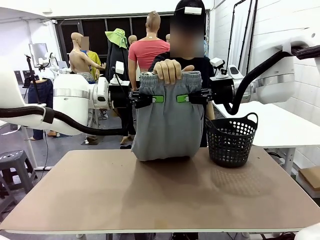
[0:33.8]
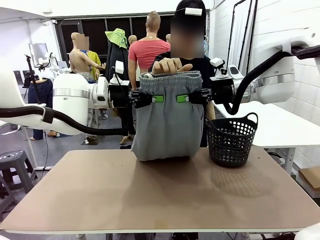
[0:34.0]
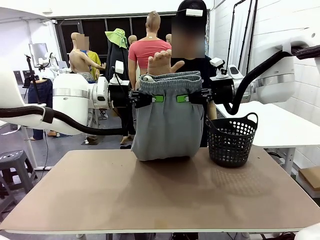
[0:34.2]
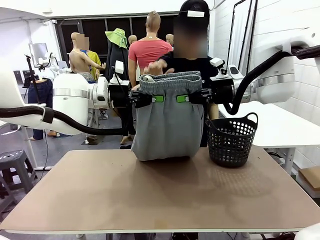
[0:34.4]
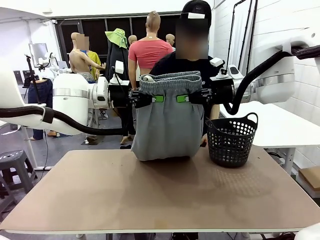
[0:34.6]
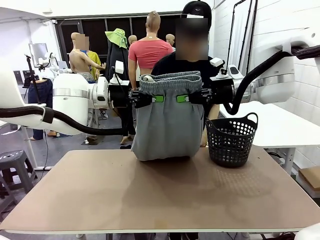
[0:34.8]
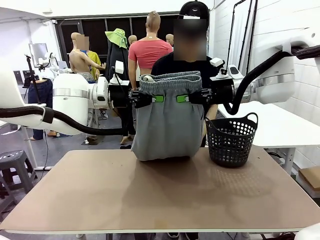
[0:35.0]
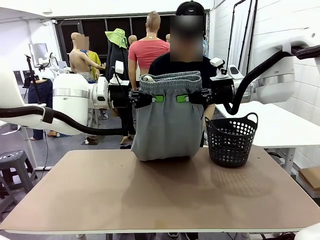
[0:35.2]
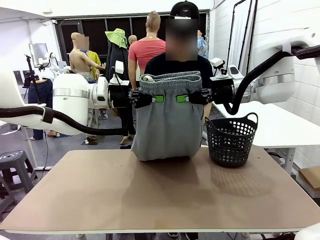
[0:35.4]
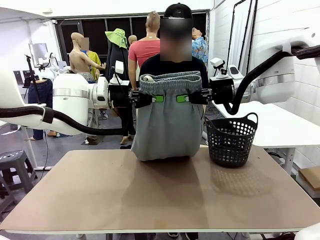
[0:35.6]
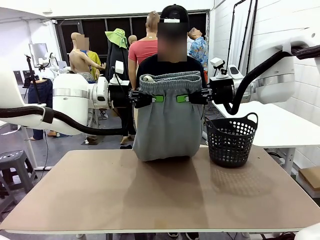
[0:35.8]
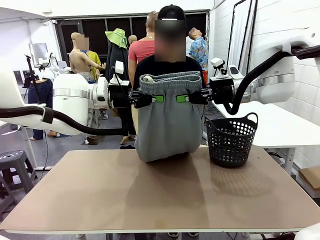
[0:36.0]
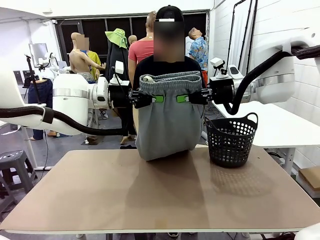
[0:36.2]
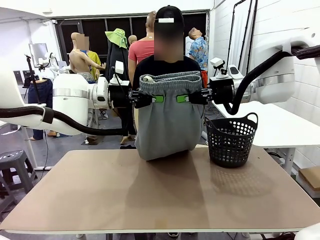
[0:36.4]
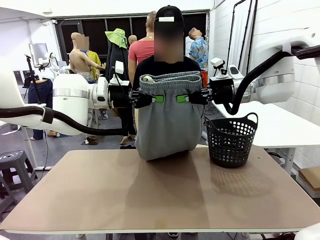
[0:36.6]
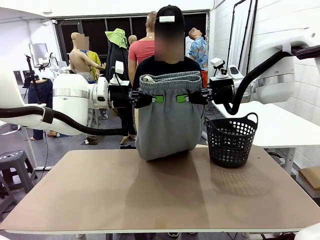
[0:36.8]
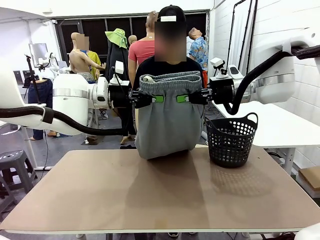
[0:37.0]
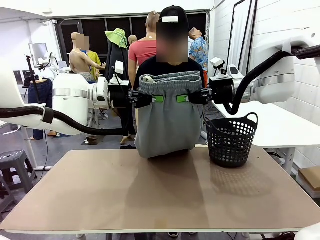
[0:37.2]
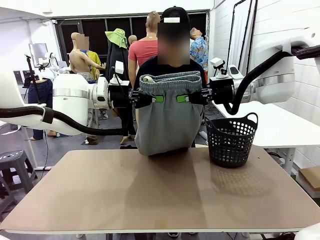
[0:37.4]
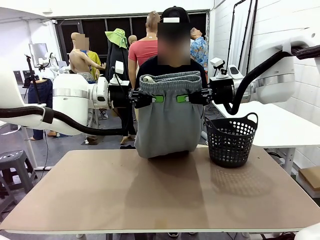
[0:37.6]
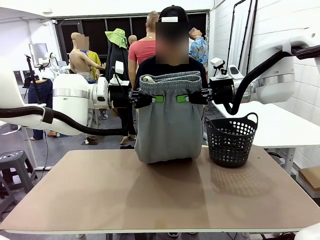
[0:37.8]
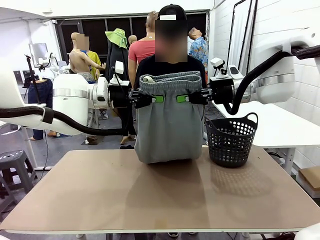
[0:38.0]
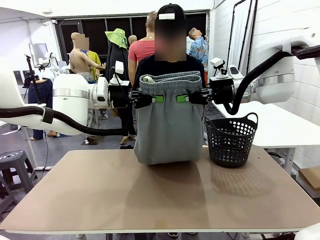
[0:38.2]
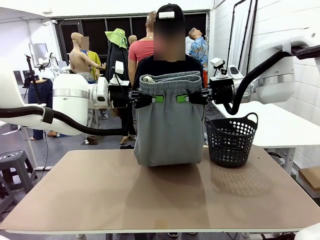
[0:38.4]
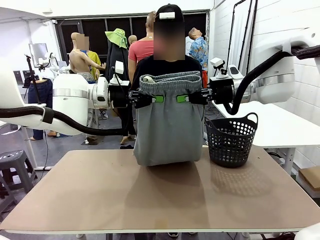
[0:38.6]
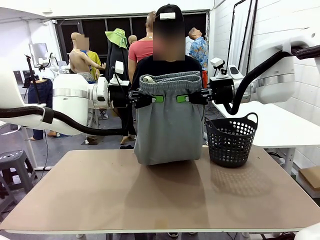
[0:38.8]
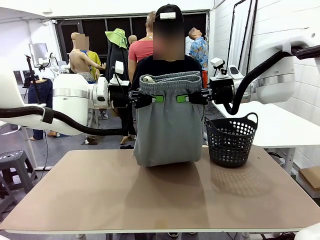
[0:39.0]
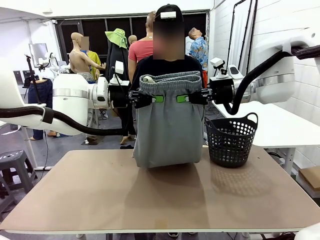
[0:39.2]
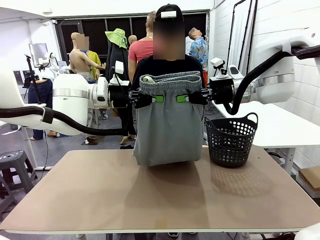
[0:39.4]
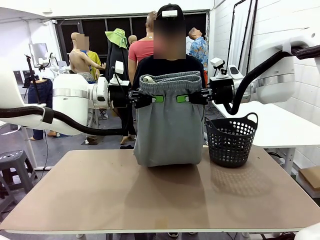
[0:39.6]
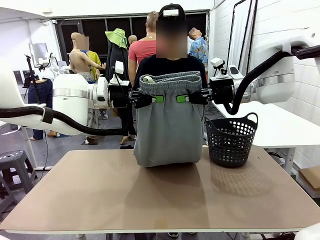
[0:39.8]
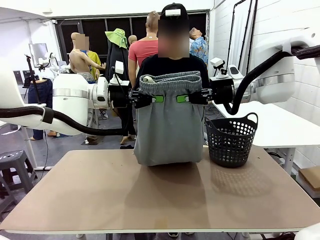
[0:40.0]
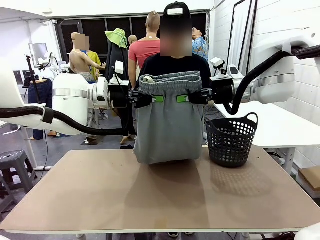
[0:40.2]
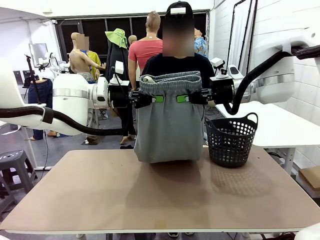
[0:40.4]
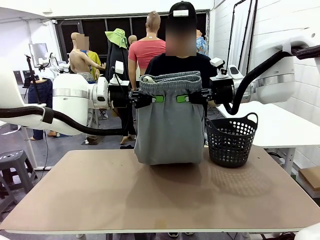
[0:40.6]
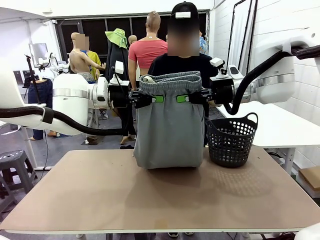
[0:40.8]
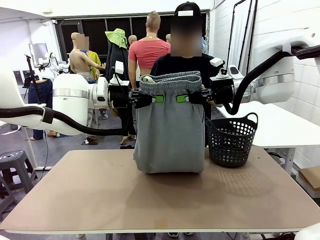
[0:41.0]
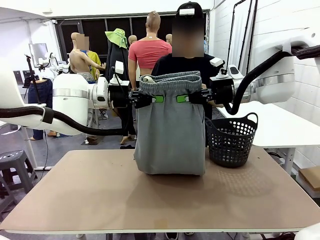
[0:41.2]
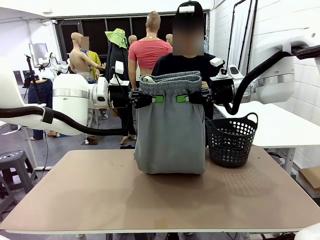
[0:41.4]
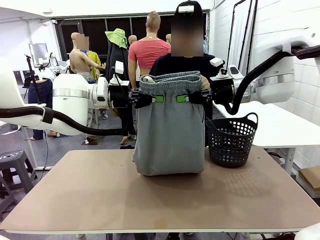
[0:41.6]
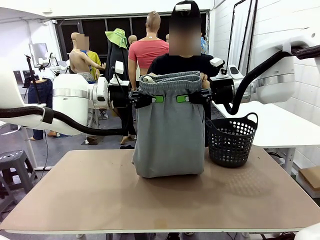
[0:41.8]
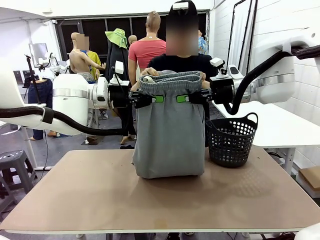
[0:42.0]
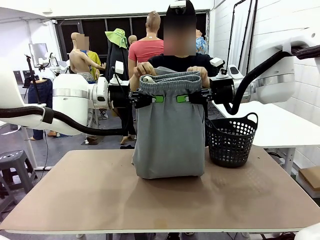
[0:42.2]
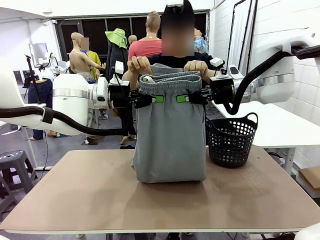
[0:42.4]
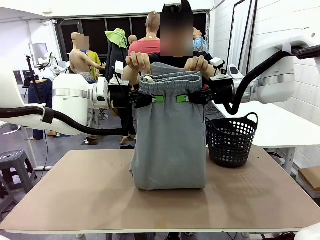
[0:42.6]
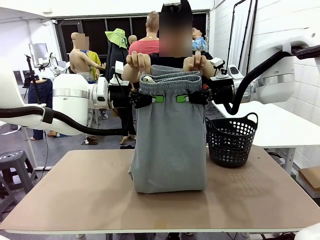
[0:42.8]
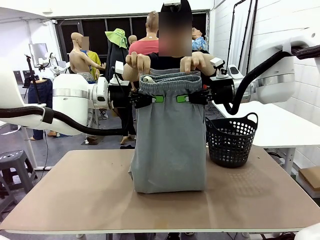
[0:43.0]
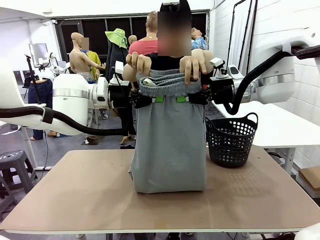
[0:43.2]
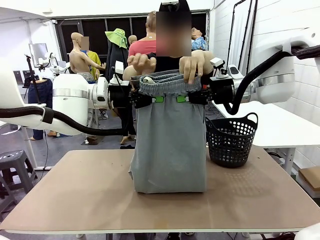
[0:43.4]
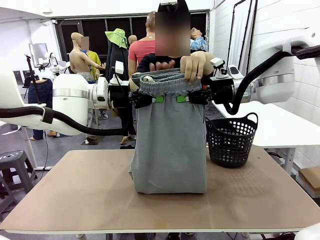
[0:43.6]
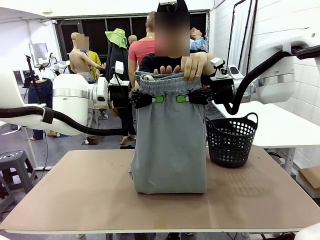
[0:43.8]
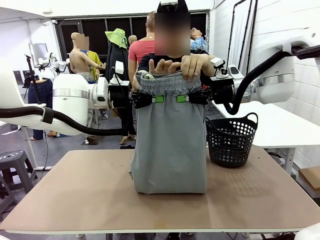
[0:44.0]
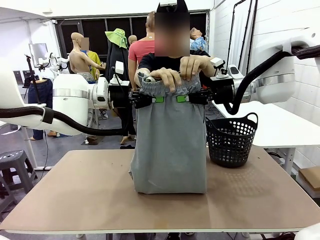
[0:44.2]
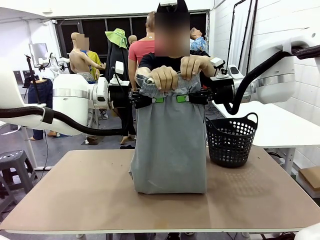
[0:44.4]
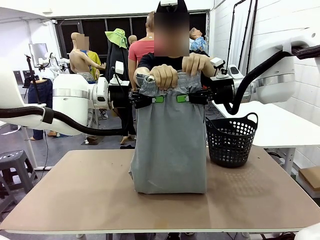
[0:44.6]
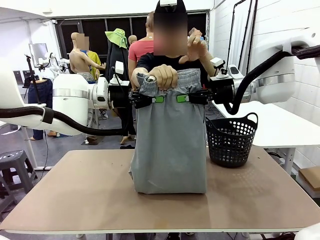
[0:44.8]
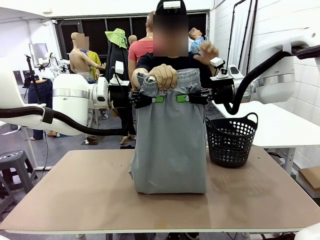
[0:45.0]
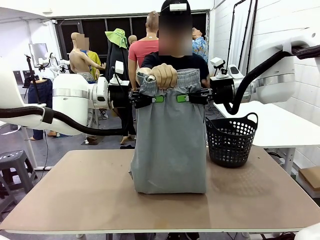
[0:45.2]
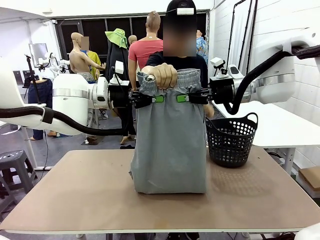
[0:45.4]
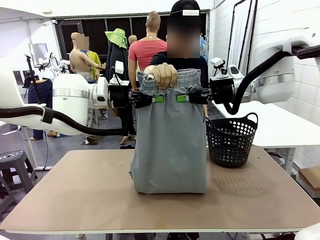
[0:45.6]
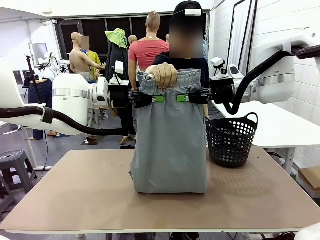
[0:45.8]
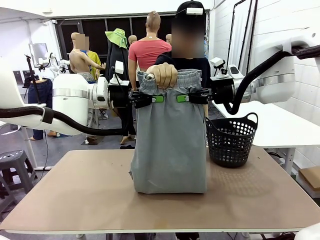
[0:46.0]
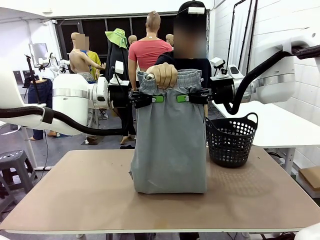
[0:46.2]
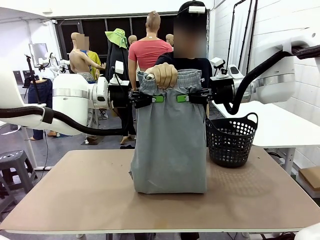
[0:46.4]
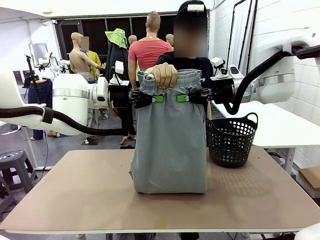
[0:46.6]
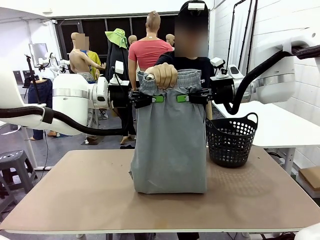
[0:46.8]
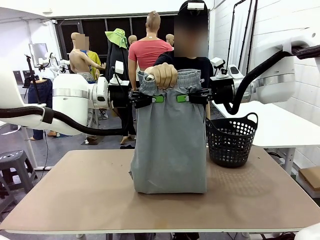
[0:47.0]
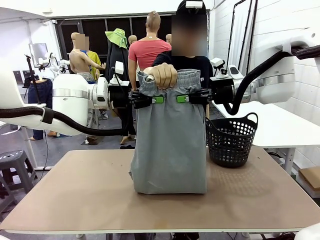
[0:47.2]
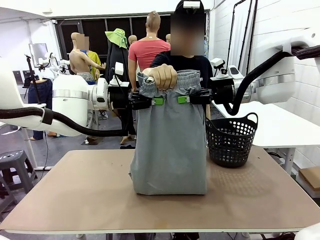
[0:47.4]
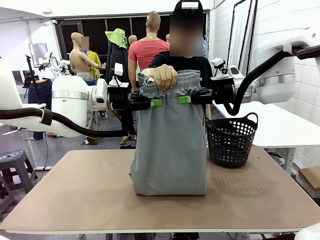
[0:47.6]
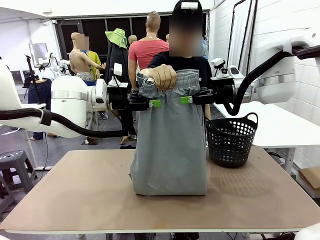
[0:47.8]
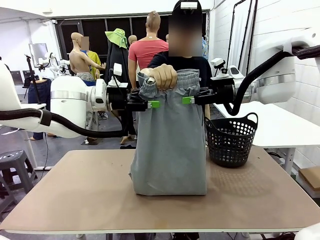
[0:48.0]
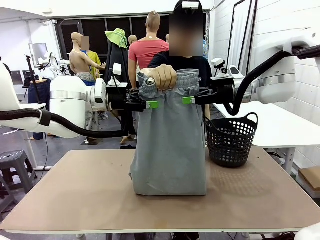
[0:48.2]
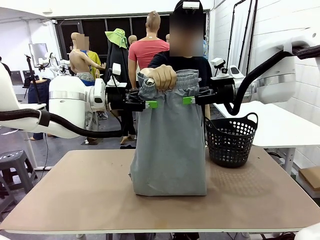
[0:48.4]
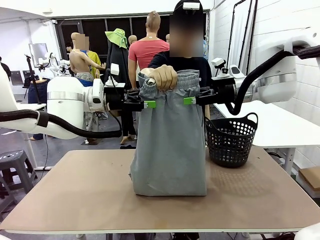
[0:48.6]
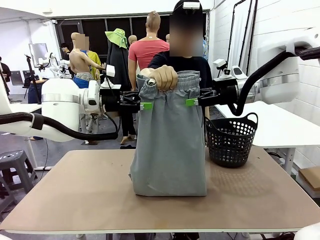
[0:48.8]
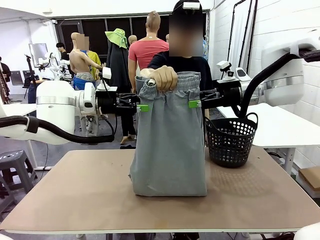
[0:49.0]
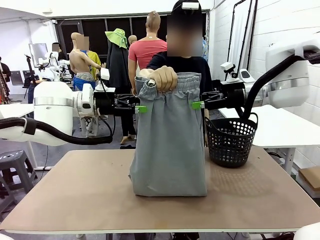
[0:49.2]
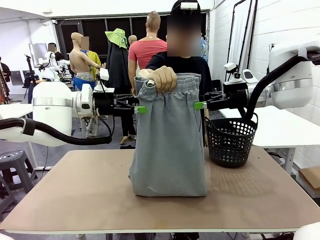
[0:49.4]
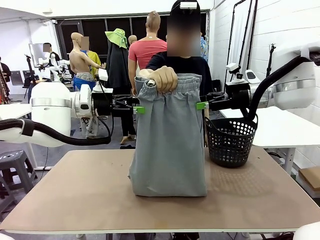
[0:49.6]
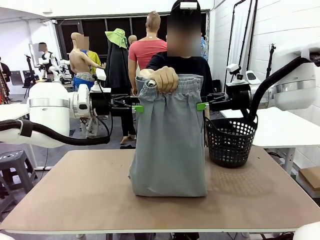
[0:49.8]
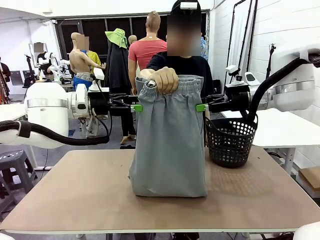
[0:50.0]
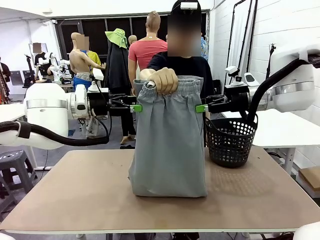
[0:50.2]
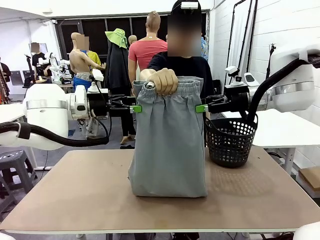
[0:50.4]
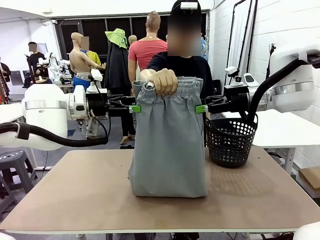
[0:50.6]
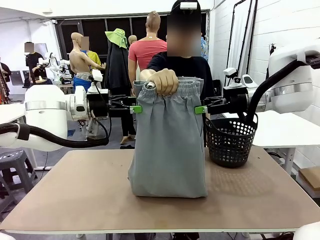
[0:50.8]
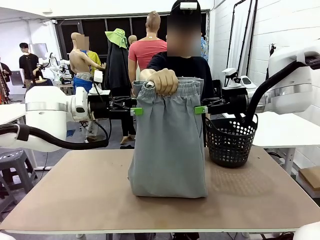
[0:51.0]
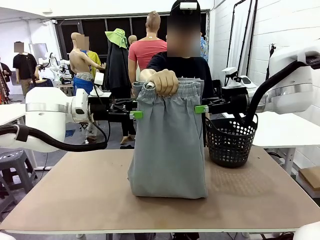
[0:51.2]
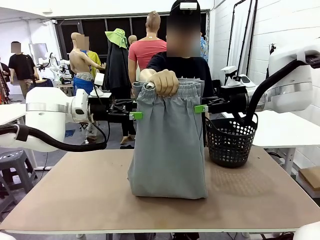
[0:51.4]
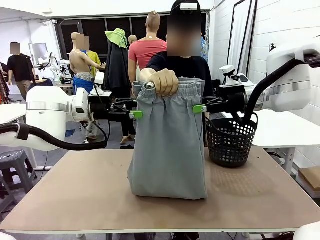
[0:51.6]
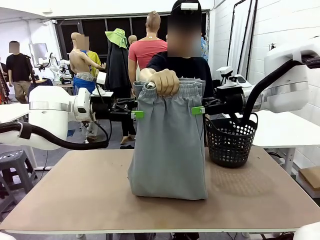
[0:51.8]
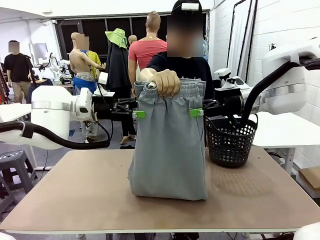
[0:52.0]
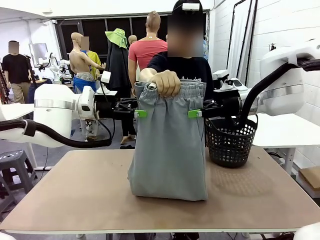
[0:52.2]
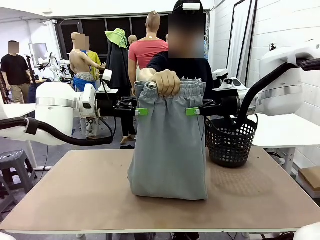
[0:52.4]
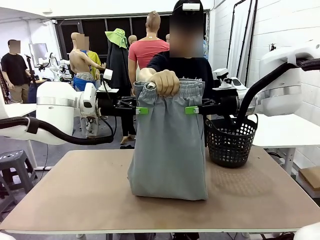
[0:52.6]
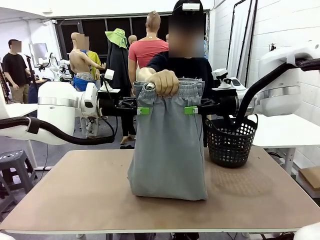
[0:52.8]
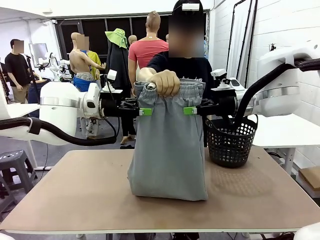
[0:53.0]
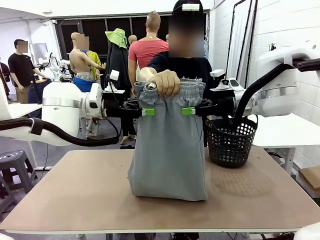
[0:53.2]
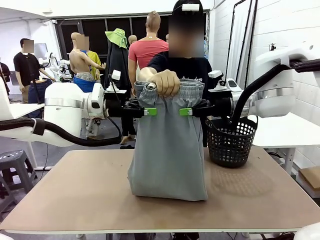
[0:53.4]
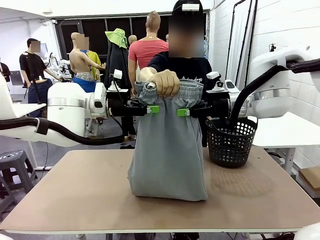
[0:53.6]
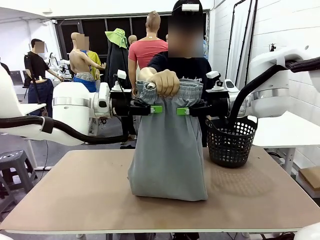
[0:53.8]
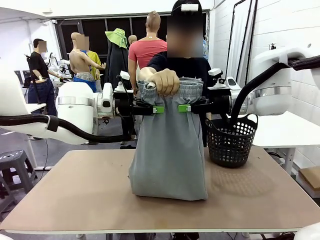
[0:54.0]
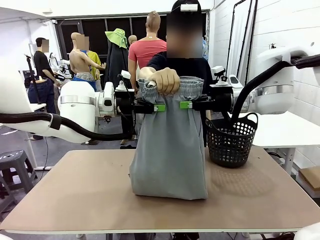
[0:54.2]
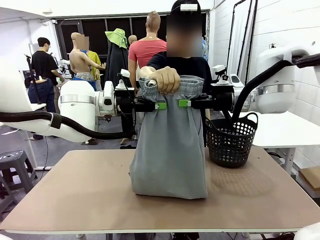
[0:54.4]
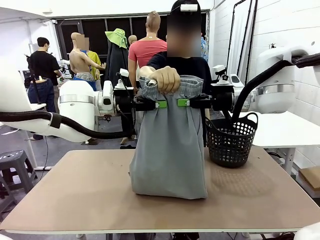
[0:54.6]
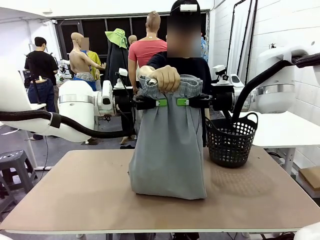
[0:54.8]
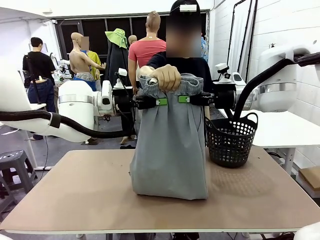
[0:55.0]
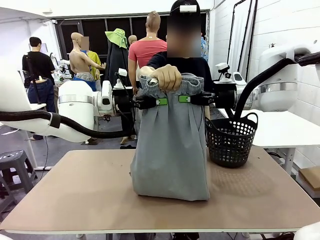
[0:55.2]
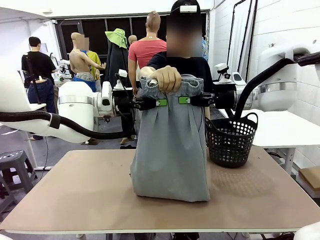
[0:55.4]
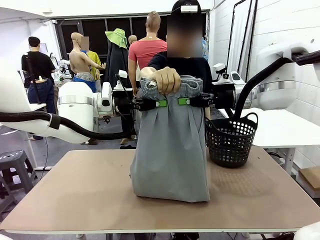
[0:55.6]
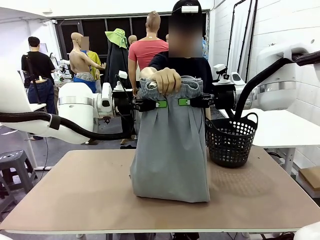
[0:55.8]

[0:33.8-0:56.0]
Task: Fold the training pants.
Robot: Release the ends of the Training pants and then grab the overlapped ends.
Person: Grasp the end opposite the point the robot is holding, fold the pants in half, and then grasp the overlapping top end of the folded pants. Release the pants you were holding.
